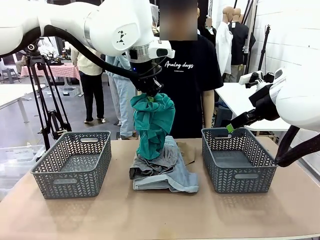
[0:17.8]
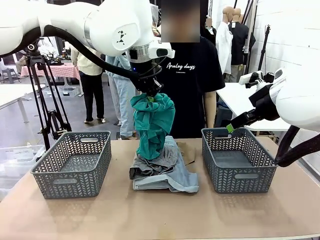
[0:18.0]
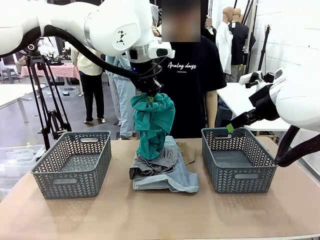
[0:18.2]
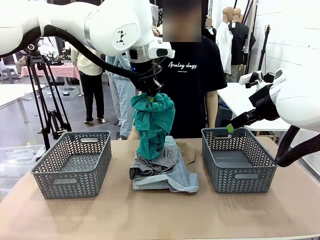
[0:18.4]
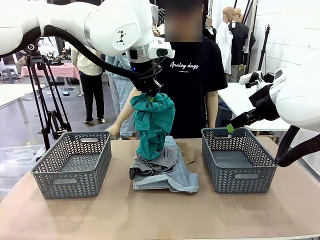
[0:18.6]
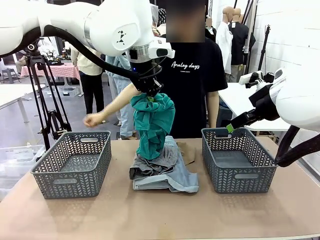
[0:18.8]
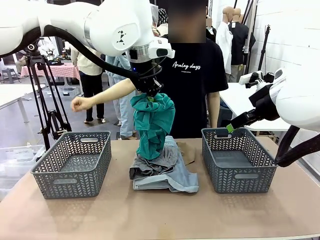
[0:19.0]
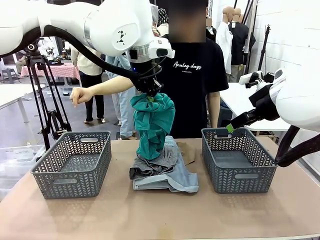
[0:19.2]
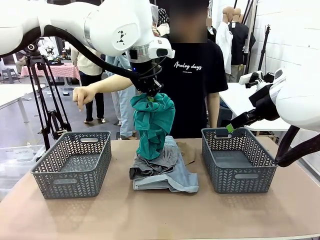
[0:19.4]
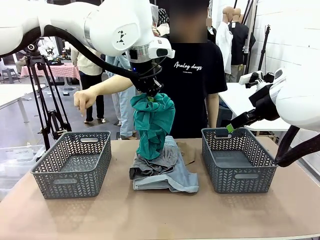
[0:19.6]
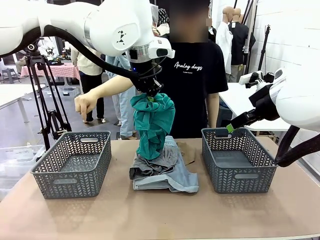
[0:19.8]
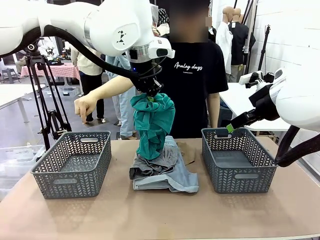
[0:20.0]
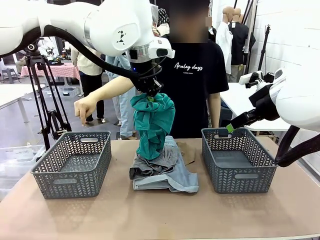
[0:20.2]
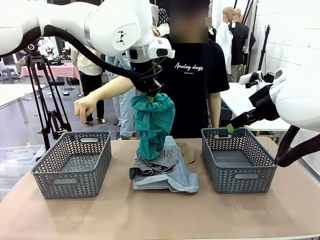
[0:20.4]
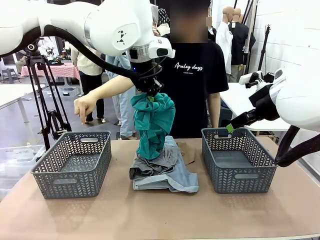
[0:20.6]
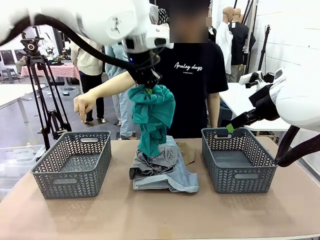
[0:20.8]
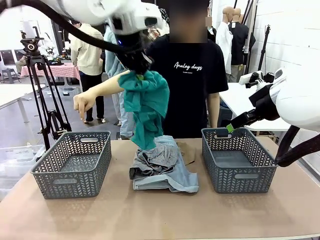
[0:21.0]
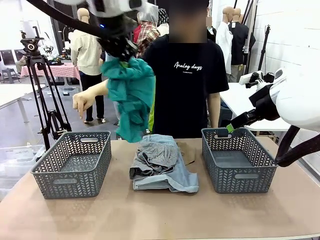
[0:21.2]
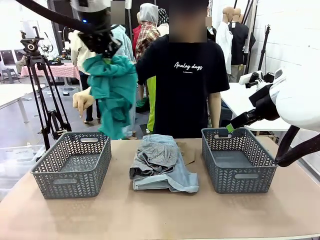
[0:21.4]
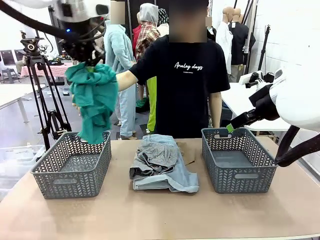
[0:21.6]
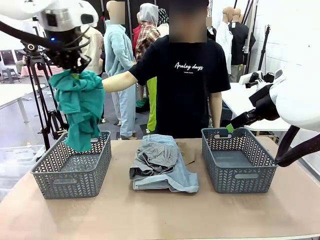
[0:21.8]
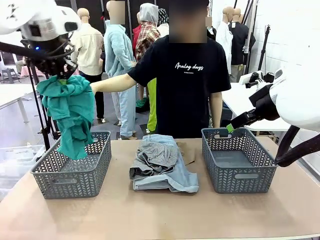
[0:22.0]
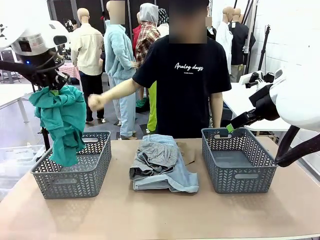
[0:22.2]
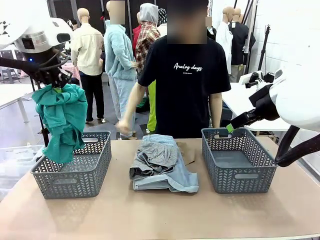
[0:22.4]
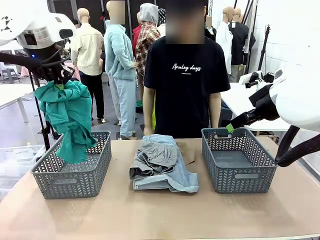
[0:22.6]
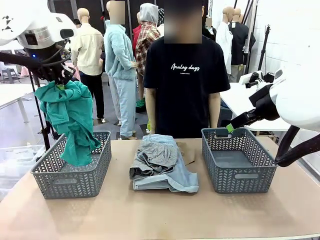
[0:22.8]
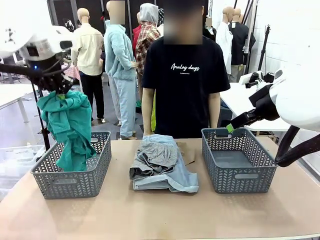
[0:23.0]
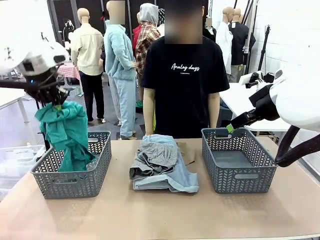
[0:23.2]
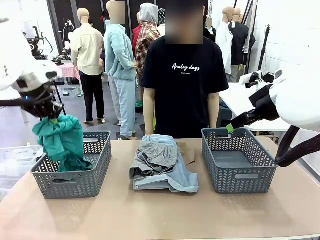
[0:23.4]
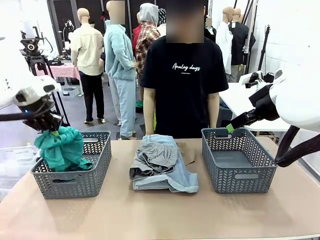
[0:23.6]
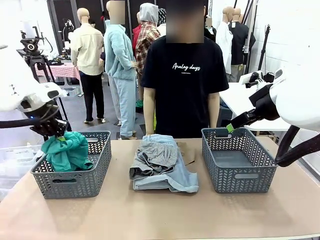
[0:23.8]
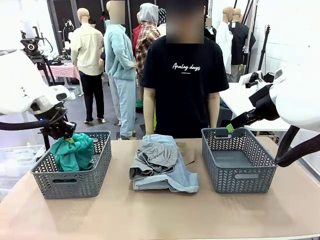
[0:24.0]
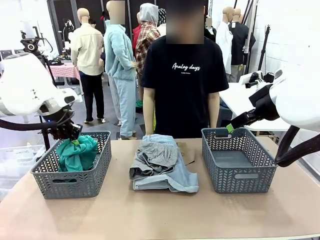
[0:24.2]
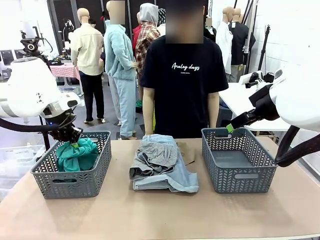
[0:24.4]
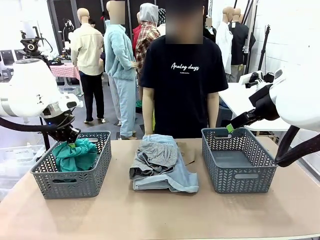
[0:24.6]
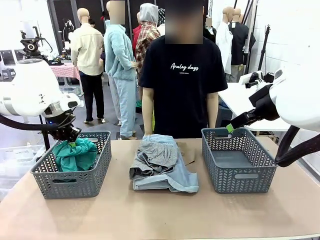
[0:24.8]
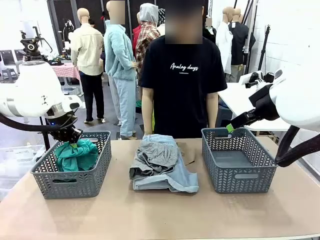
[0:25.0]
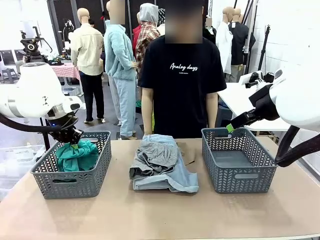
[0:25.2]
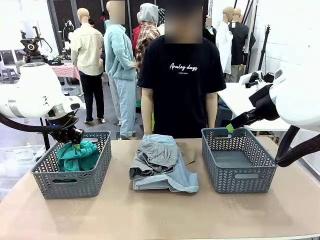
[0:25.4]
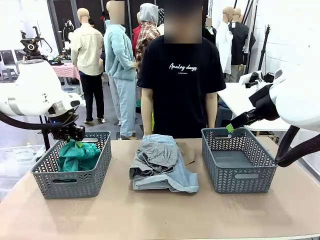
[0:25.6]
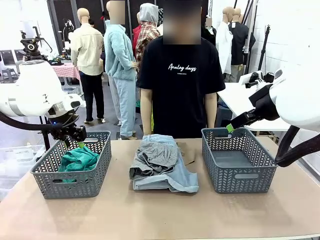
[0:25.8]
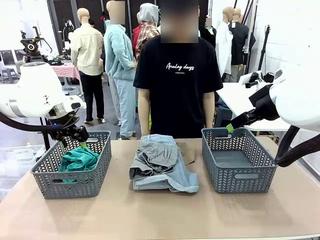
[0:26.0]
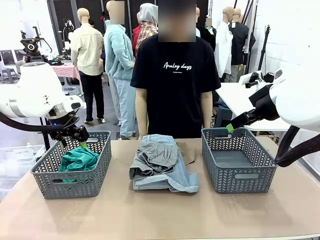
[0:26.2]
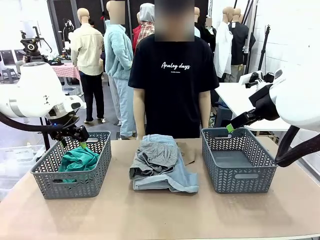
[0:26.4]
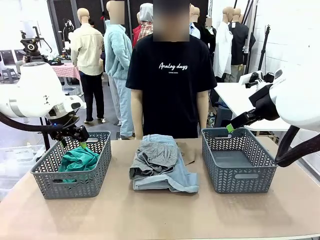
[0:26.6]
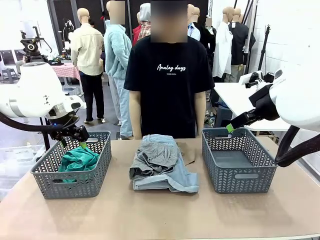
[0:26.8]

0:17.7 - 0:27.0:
Task: Sort the tops and bottoms.
Robot: Sort the clothes according to human instructions.

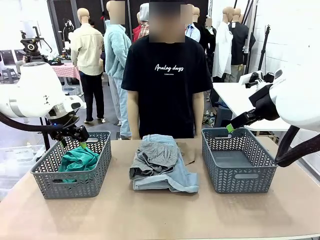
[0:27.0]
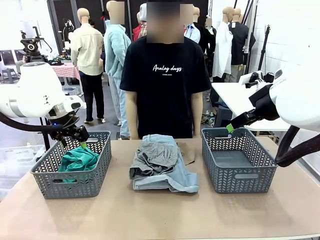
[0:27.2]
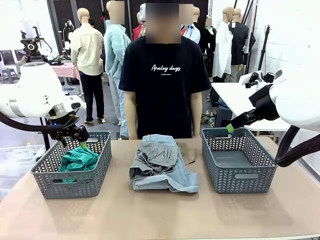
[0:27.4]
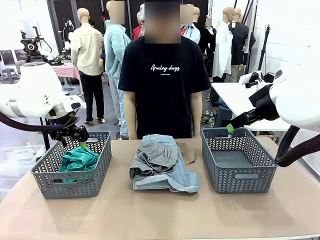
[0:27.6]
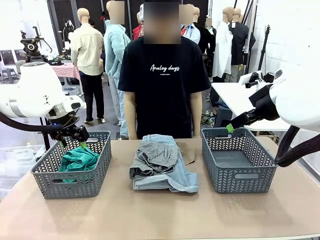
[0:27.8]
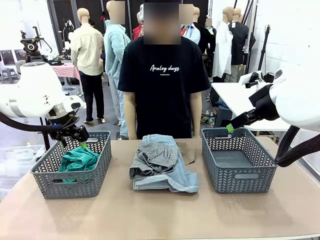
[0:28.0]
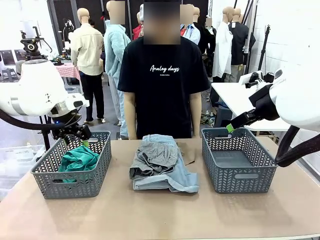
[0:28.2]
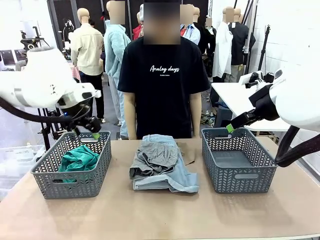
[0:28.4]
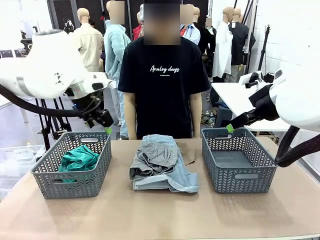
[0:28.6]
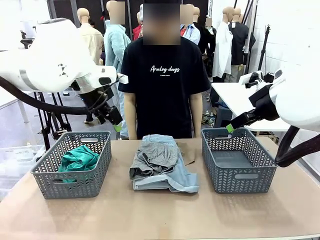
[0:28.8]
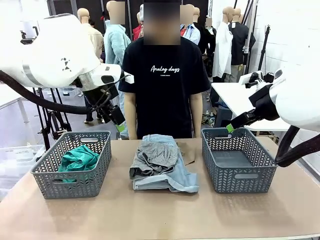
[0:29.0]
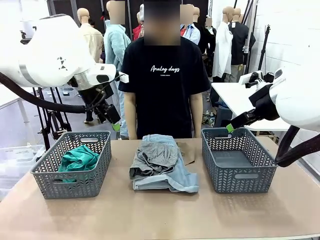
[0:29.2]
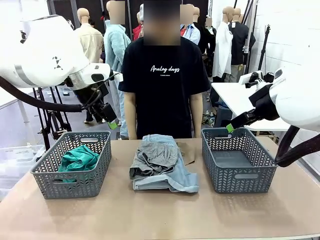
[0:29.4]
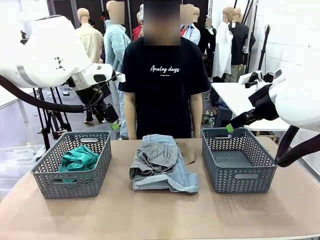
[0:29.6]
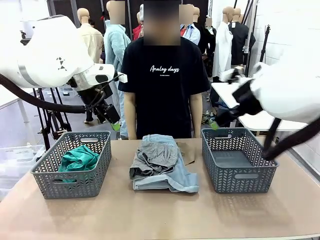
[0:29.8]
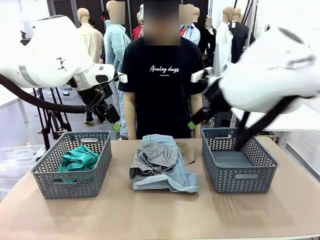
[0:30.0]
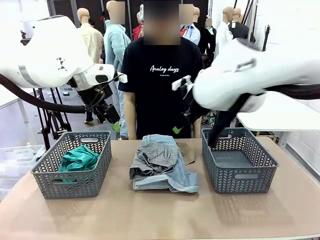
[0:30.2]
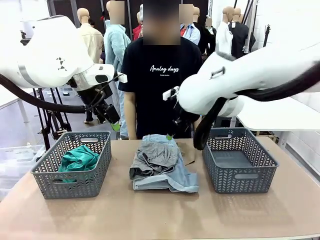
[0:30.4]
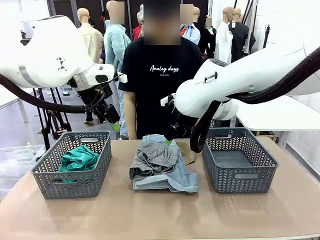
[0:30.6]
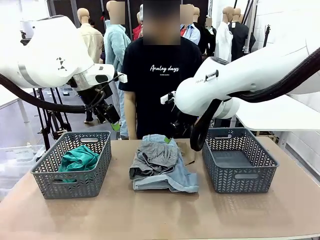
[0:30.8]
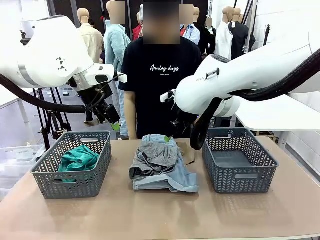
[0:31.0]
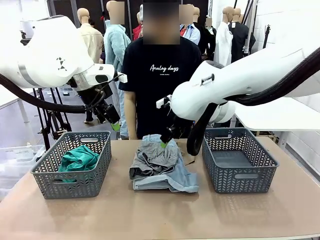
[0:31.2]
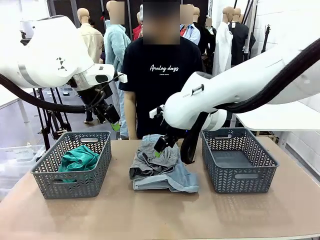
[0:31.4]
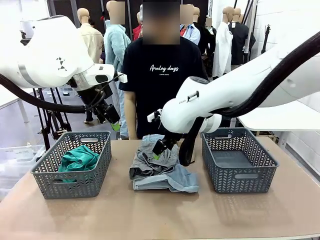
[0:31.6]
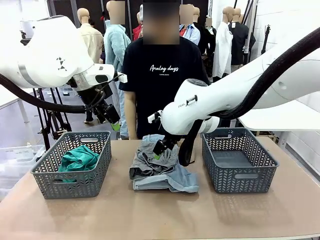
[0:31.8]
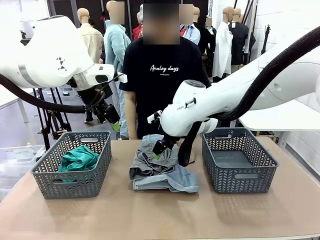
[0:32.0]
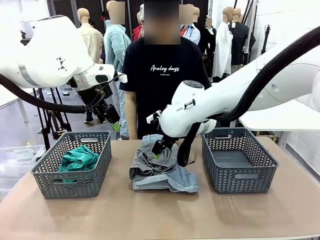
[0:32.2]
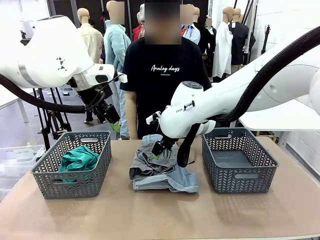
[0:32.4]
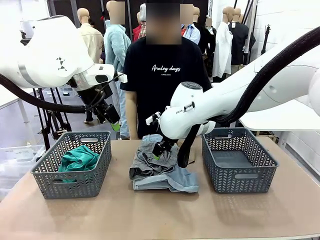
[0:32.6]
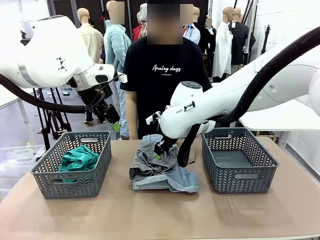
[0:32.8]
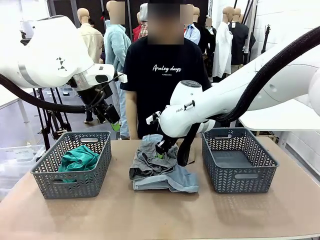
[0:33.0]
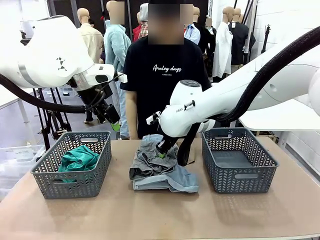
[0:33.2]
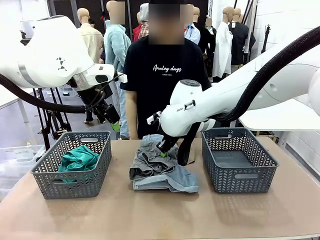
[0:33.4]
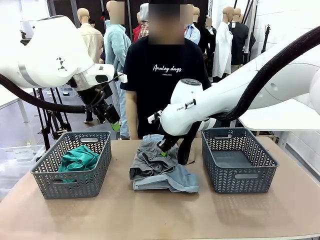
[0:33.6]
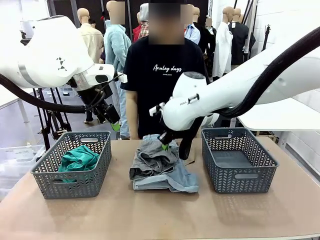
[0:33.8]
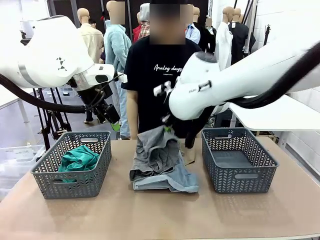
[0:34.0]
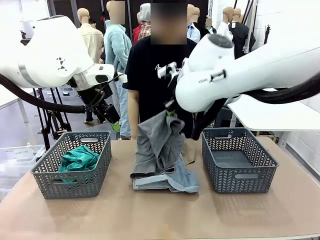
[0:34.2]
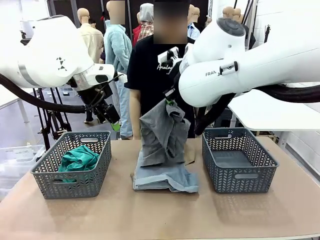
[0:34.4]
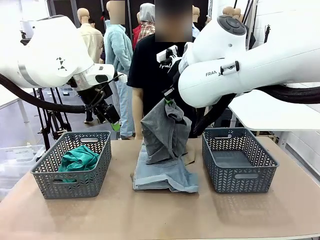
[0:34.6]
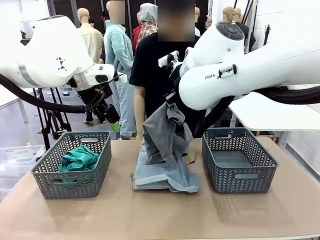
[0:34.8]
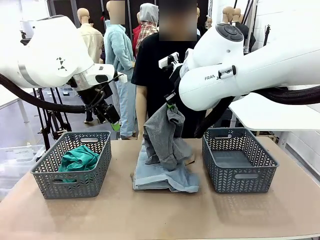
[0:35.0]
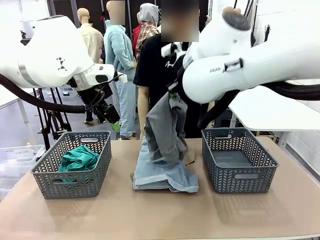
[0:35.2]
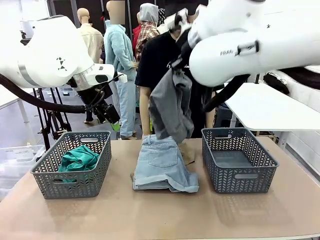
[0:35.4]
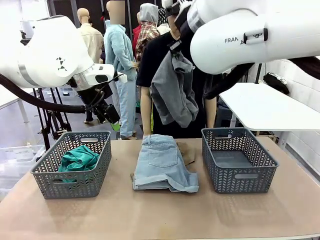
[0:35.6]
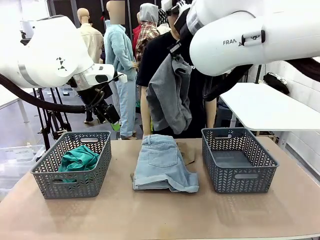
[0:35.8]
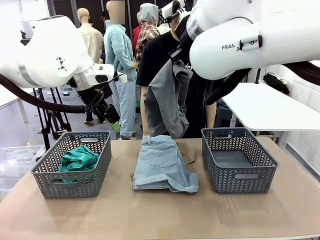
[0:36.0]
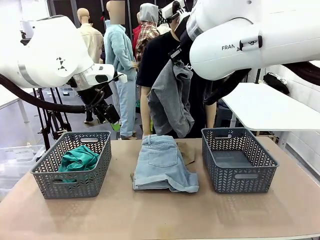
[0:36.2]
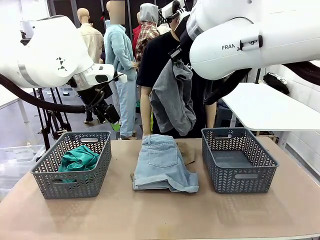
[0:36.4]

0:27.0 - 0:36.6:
Robot: Lift clothes from the center of the table with your right hand.

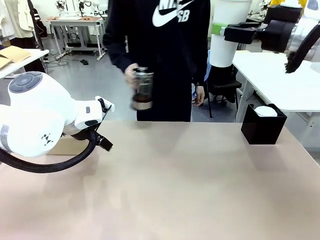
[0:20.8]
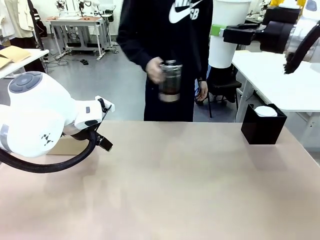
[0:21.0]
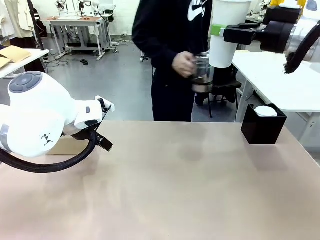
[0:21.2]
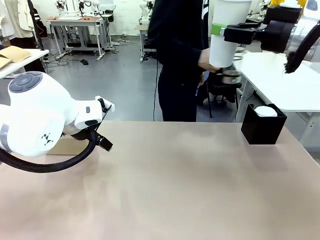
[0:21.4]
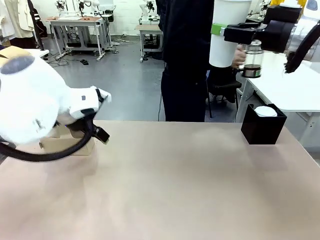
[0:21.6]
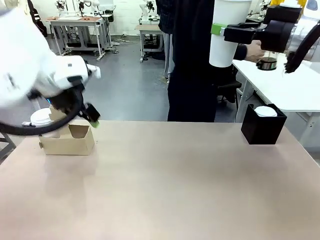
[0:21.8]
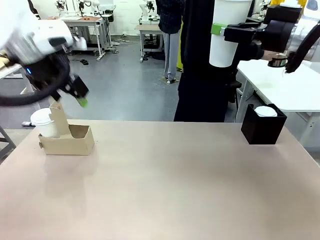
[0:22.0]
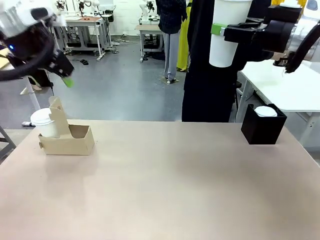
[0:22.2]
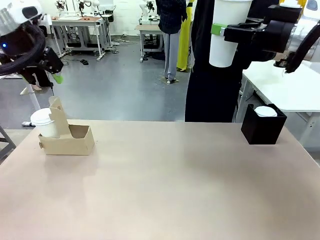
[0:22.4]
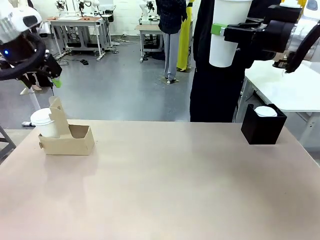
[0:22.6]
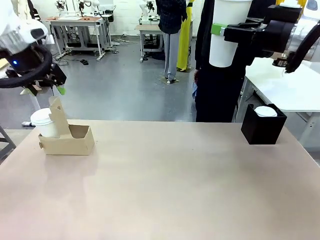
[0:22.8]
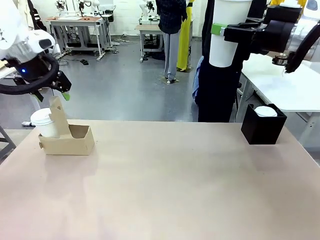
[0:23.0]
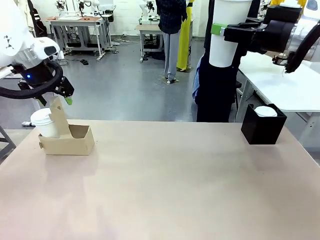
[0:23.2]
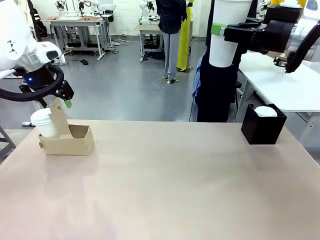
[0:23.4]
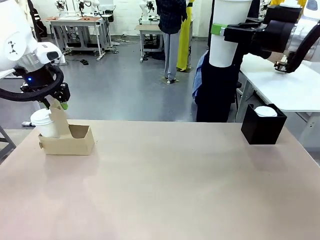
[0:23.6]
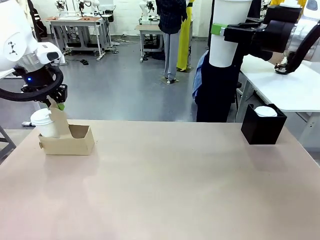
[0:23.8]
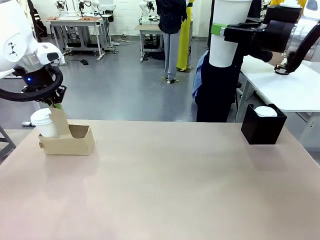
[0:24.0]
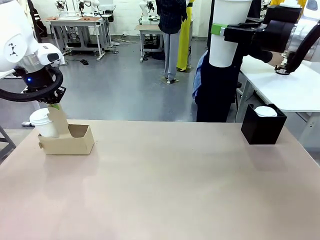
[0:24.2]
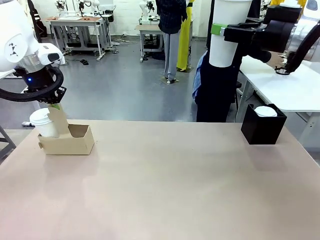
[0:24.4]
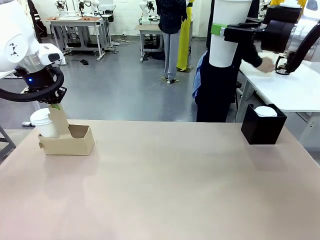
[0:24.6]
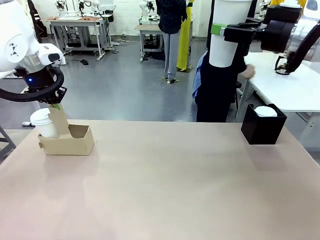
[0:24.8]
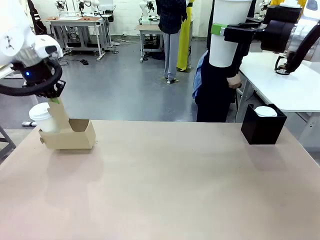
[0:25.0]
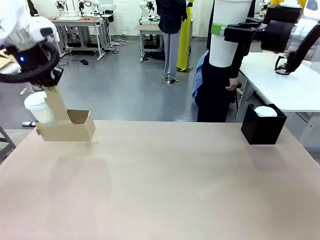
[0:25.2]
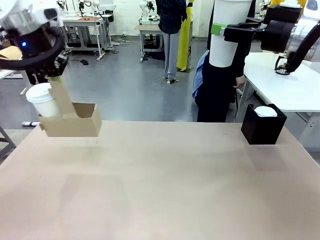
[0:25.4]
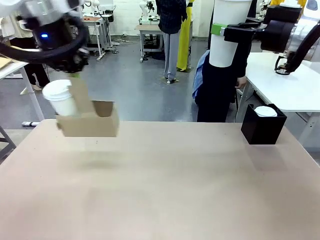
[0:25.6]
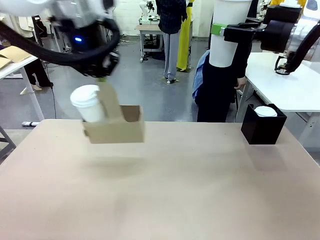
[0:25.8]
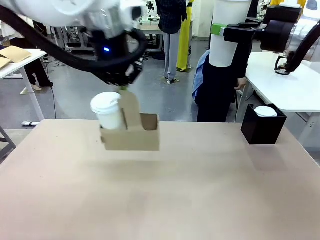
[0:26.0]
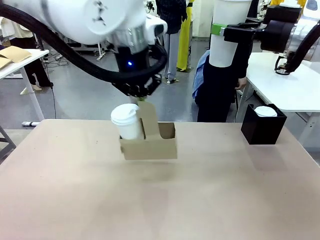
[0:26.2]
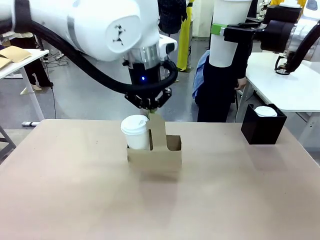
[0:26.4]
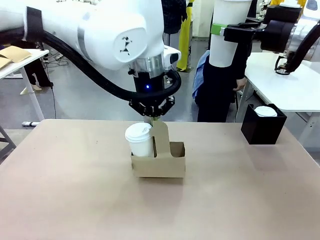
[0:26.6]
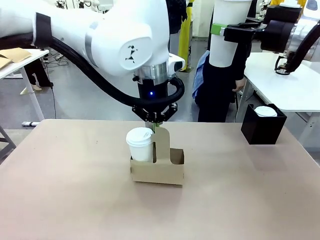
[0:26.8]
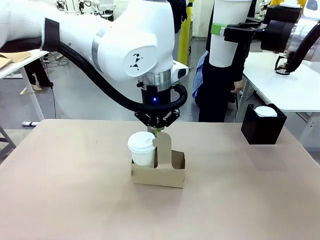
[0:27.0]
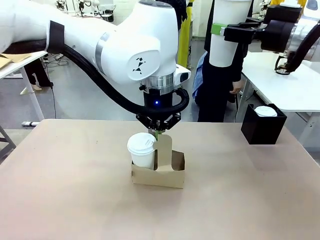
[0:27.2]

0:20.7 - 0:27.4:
Task: Pour a drink into a cup and package it in a carrier.
Robot: Position the Cup Carrier in the center of the table.
